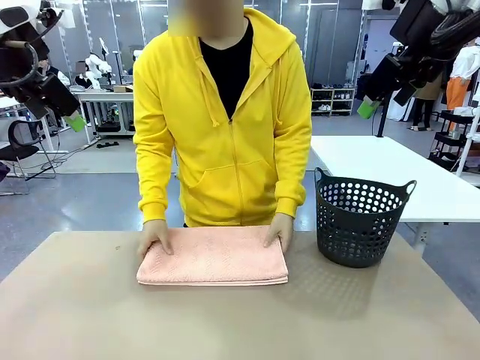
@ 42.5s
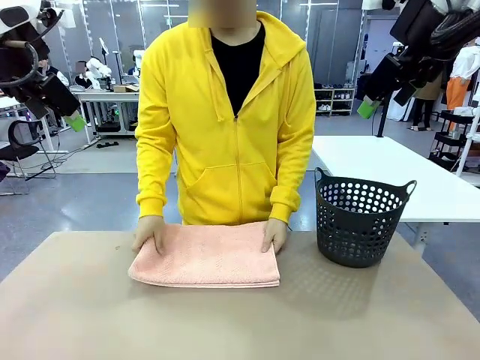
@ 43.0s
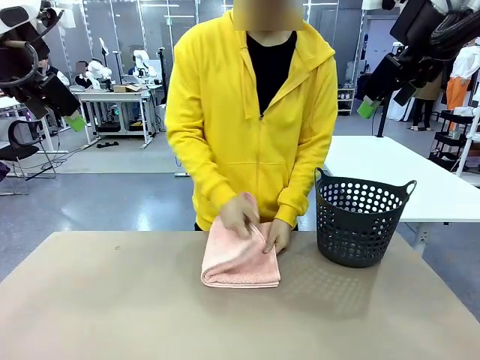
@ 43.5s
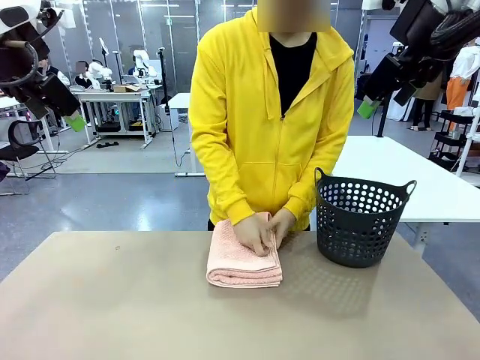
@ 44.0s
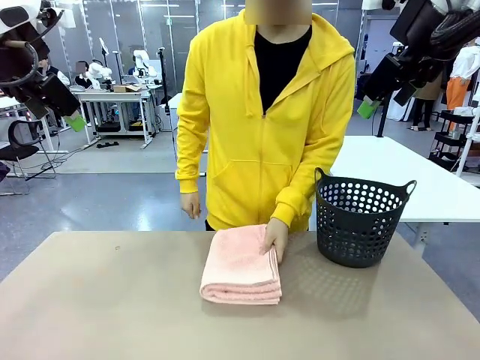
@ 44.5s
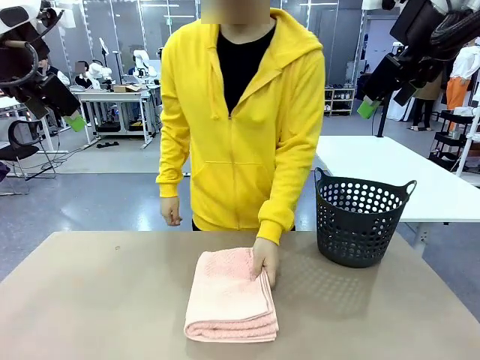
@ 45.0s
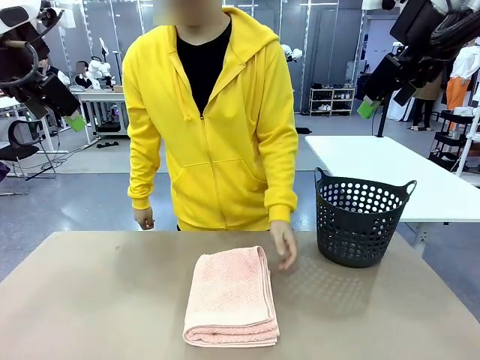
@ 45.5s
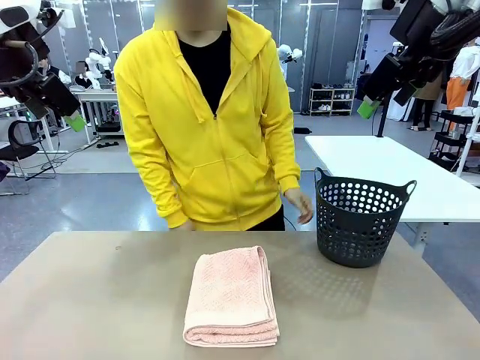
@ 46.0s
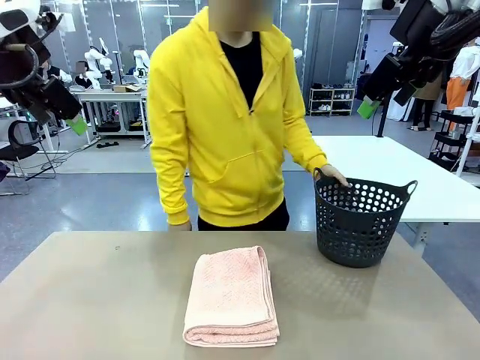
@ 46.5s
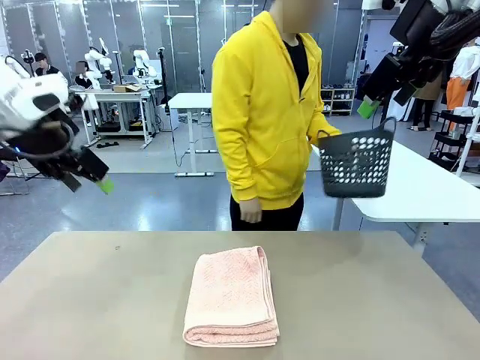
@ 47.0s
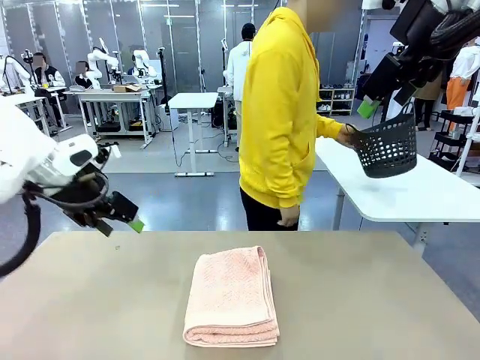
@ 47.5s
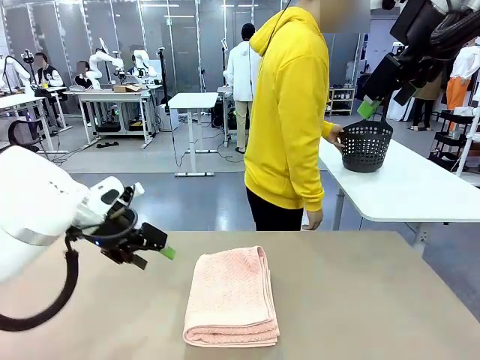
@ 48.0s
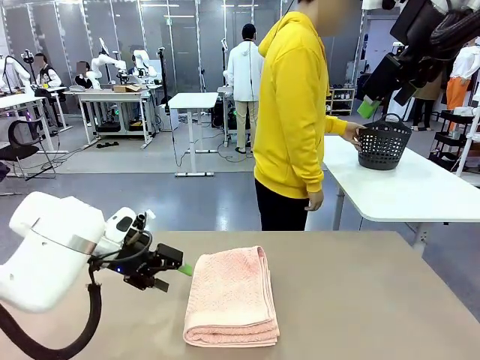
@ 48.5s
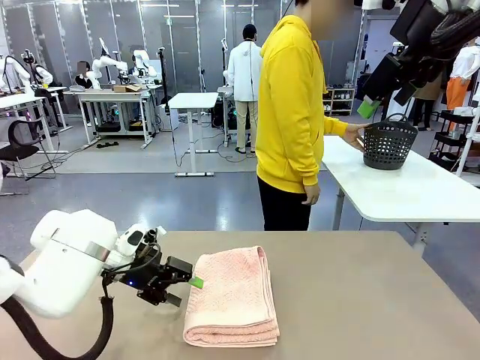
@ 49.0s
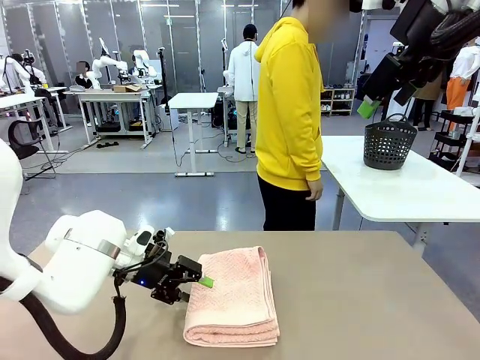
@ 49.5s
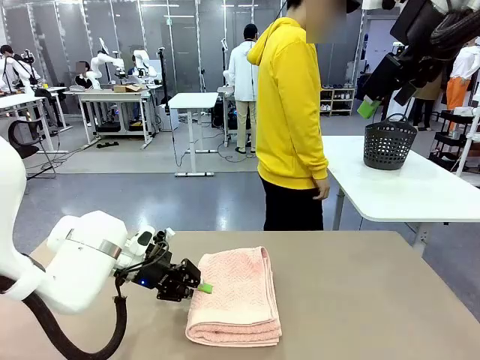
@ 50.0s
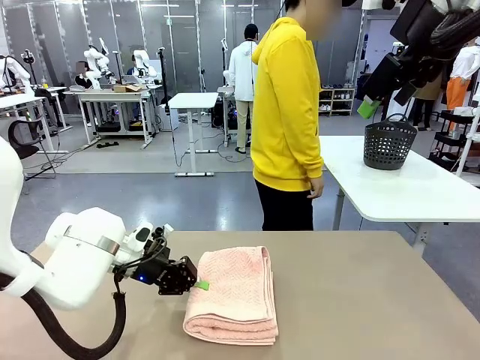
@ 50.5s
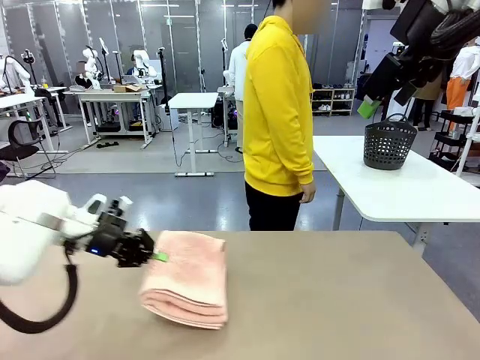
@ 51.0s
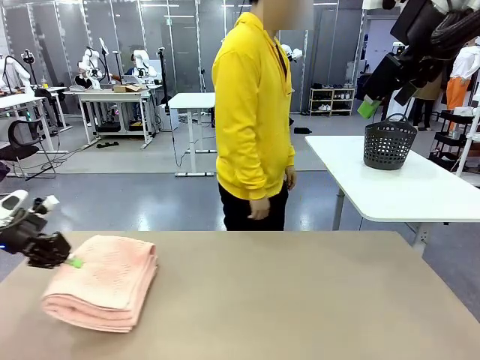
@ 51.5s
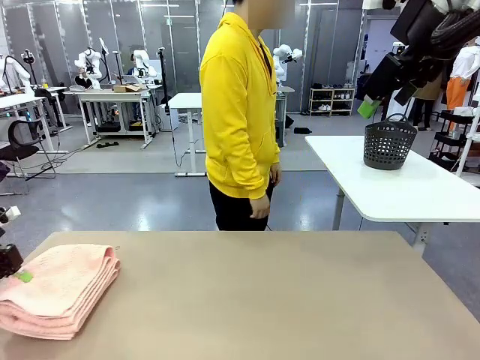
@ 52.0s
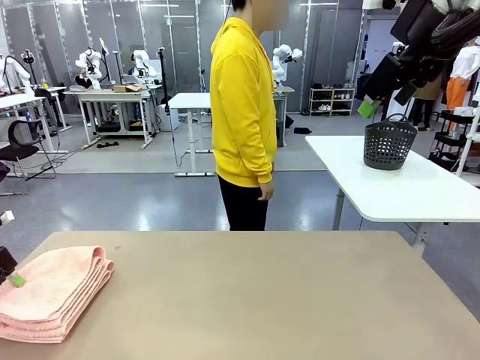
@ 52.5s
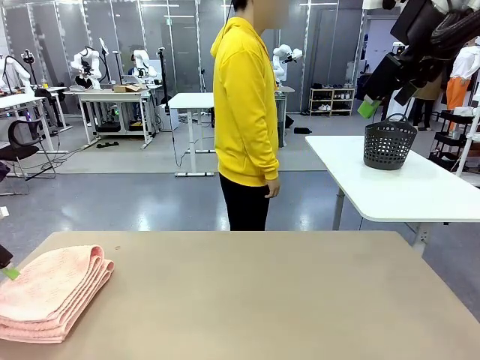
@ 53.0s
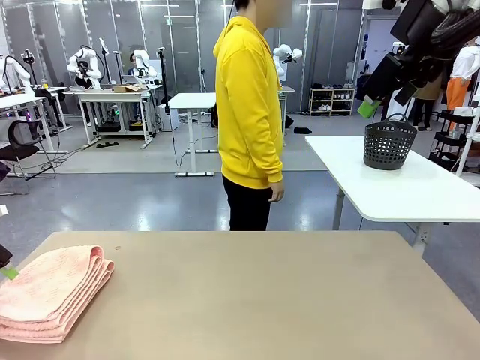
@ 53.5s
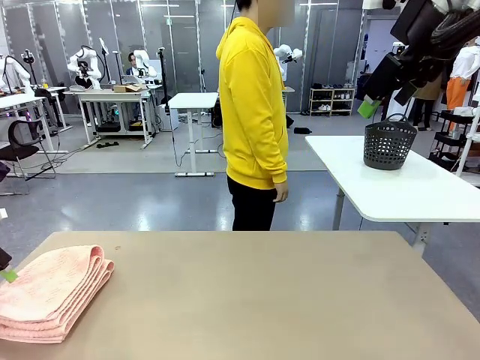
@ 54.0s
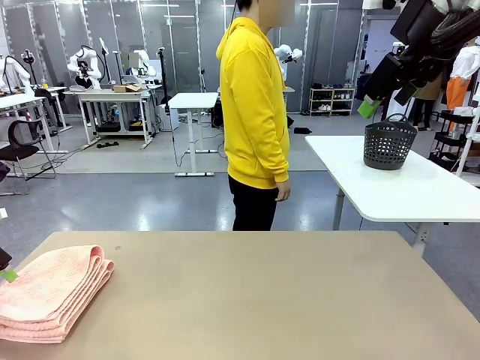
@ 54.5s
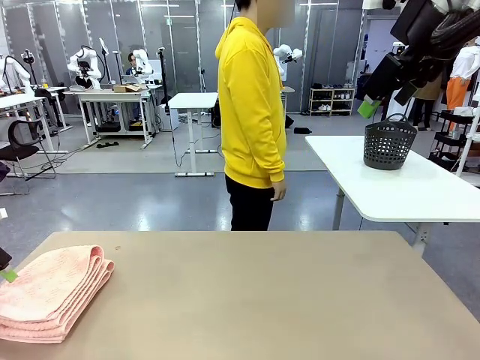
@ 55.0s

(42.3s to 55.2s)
Task: Fold the towel.
Robot: Pick up the 100 cm Hotel Towel and place it on the left side of the table.
Person: Pick up the laundry basket and place it at the center of the human table.

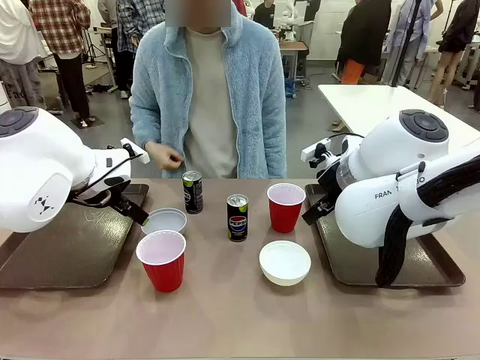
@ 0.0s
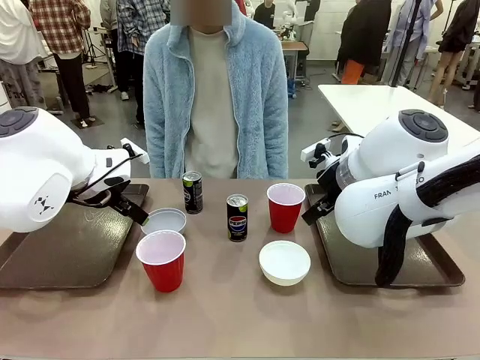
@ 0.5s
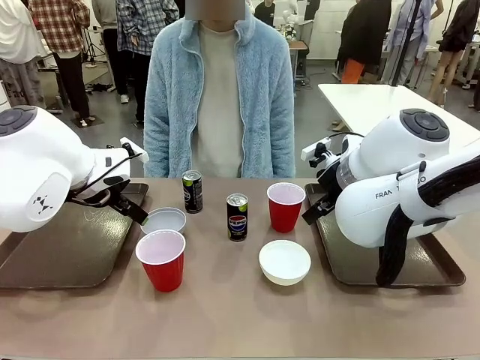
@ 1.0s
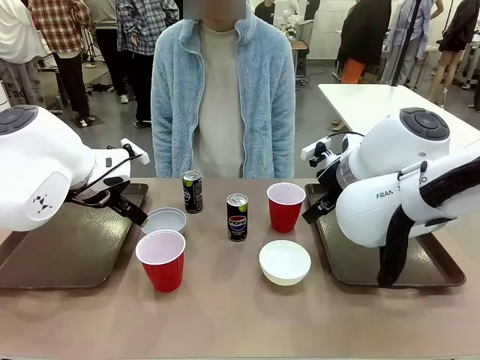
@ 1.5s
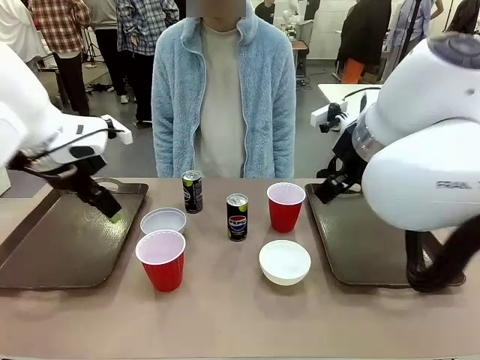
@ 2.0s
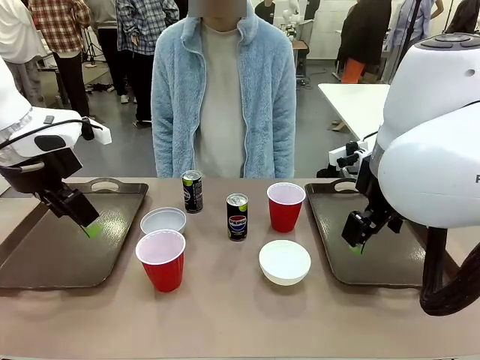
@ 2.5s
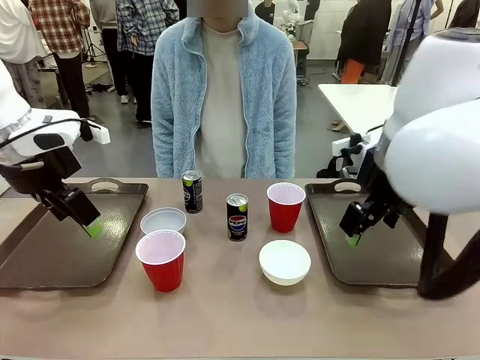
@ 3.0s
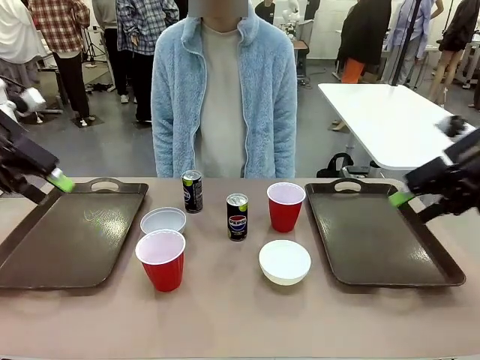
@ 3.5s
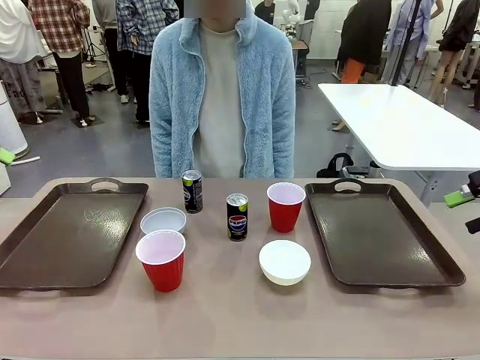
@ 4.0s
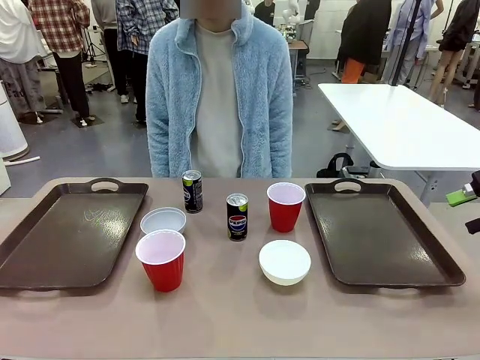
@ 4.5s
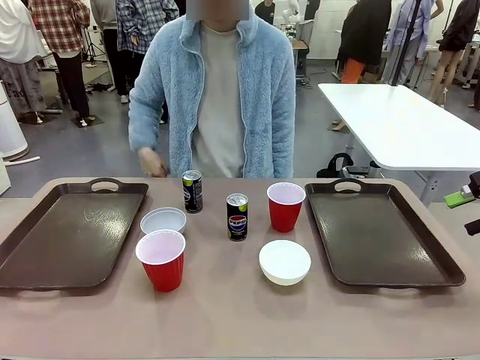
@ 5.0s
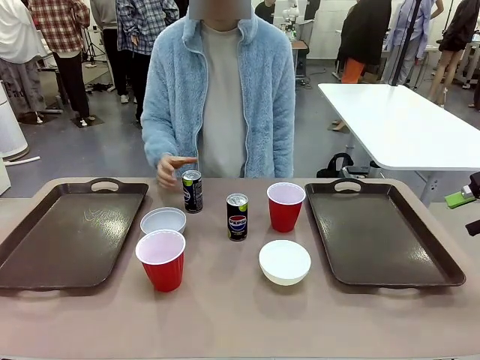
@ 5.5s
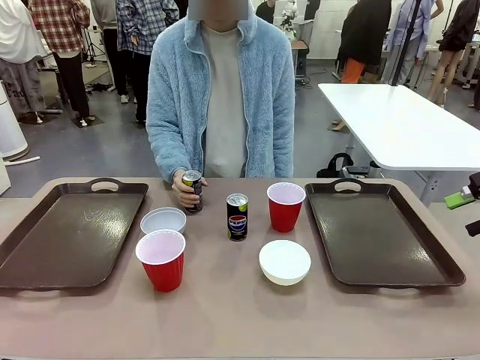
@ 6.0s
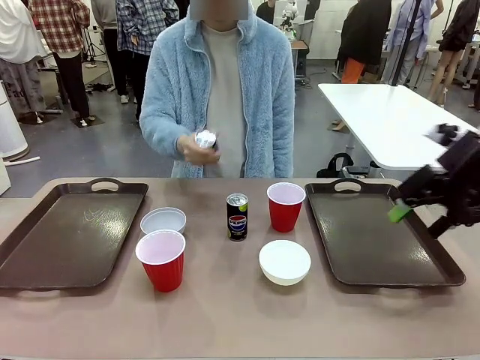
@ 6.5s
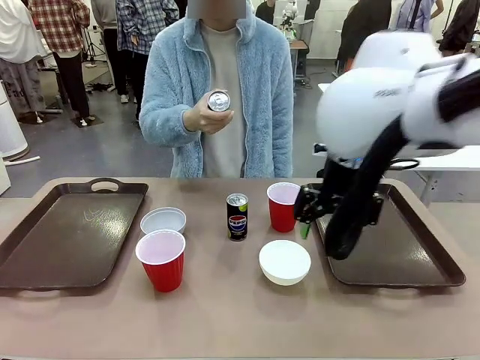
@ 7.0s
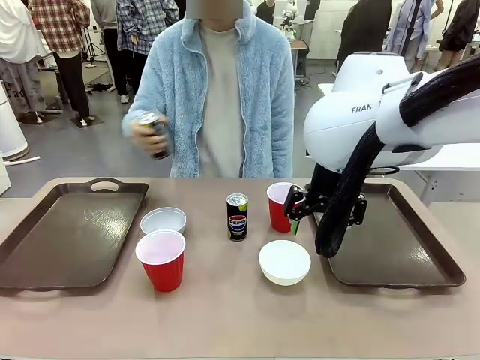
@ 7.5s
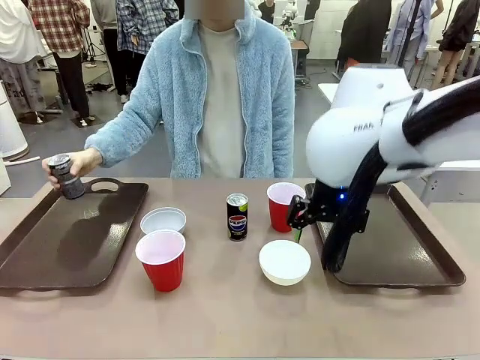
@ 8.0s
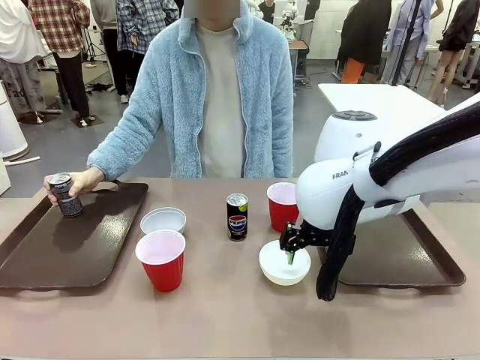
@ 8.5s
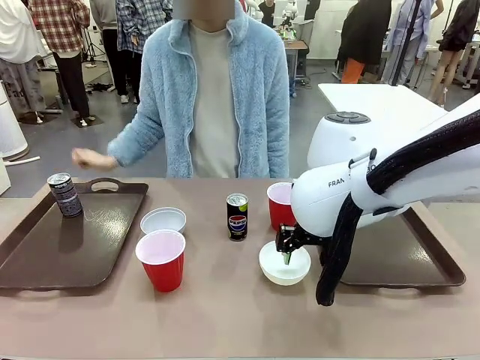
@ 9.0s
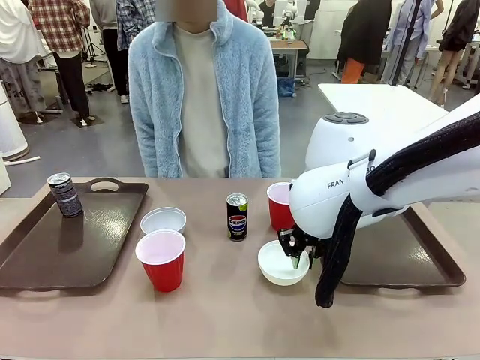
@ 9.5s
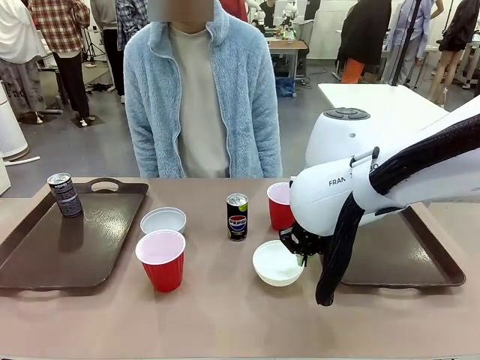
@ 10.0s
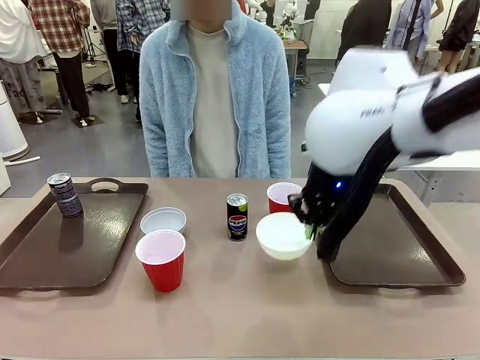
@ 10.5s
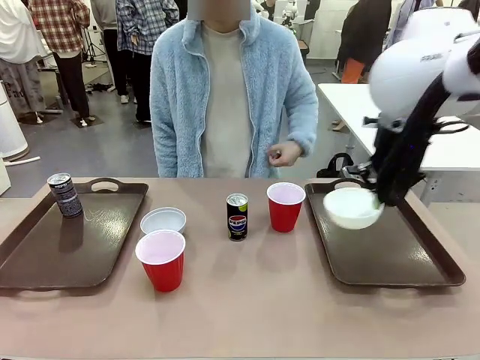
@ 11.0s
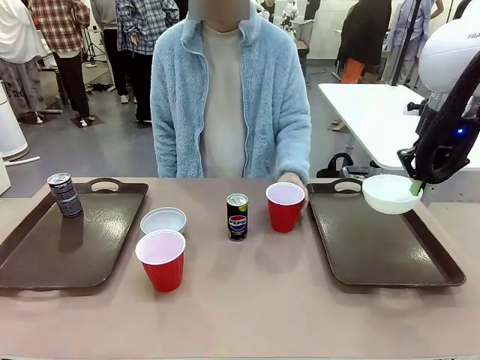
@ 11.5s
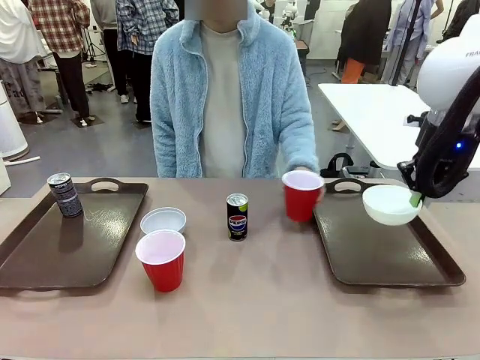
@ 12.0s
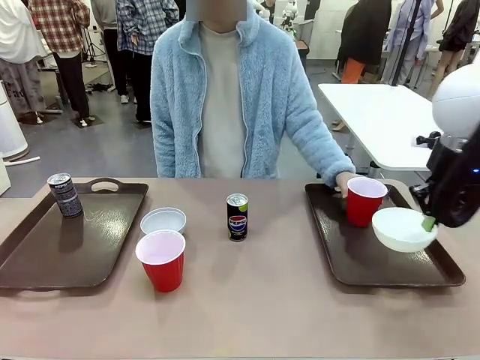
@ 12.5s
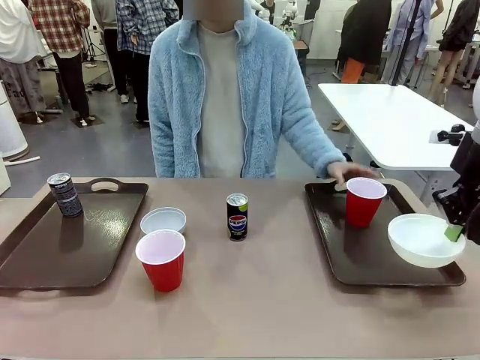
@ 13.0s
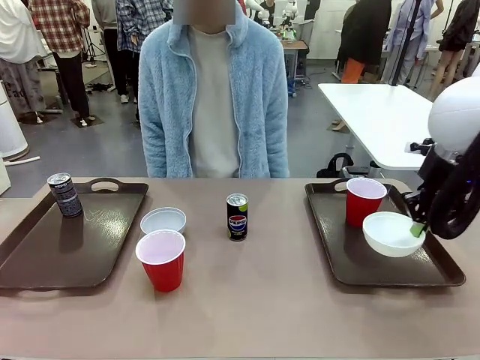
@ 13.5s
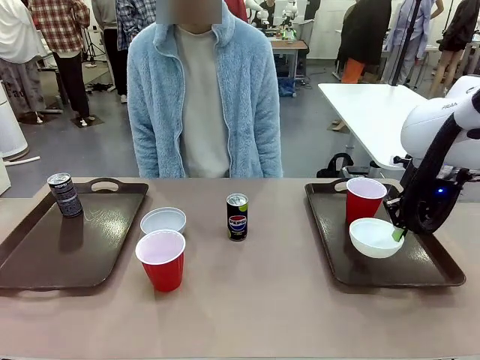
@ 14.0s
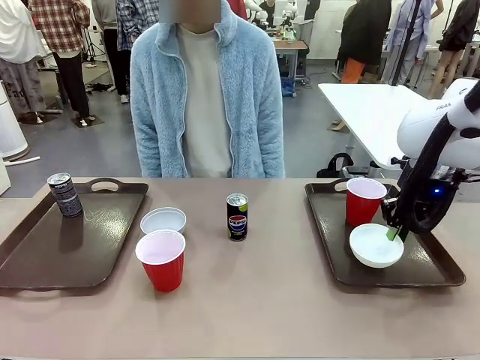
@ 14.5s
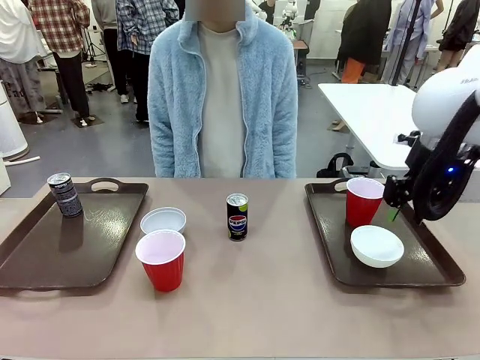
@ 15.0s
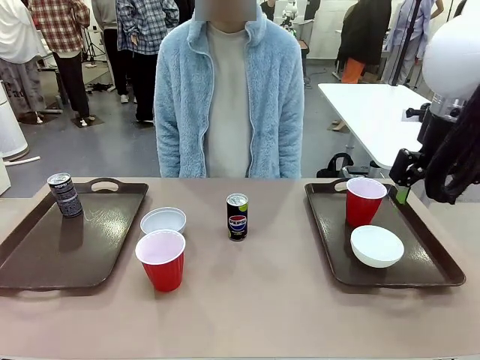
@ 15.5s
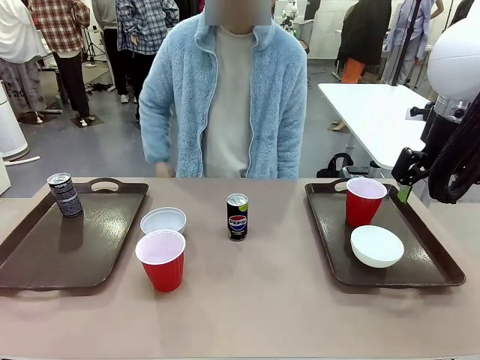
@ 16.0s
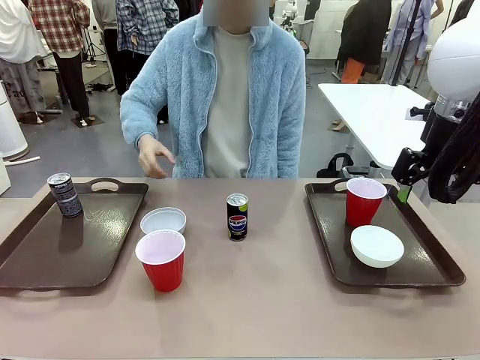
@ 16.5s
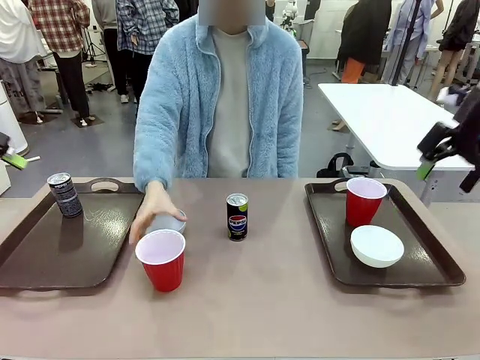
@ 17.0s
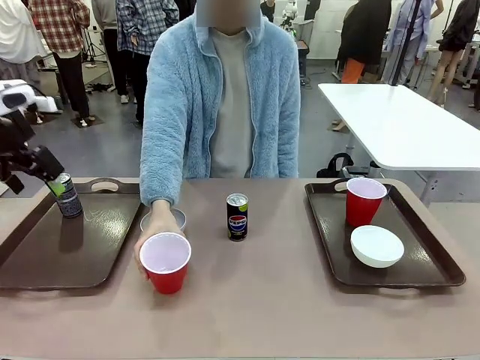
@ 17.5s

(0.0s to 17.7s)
Task: Prepare tableware on both trays.
Robot: Pick up a Picnic Bowl from the table and place it on a Handle tray.
Person: Pick up a can or cup and place it on the tray.
